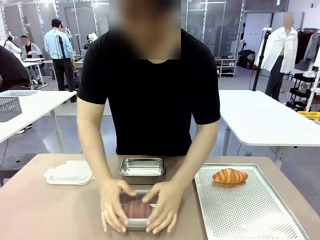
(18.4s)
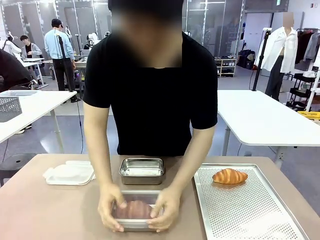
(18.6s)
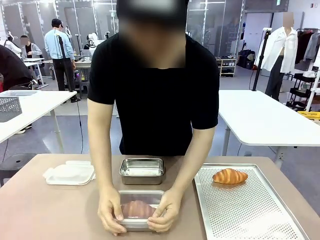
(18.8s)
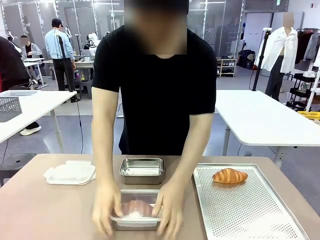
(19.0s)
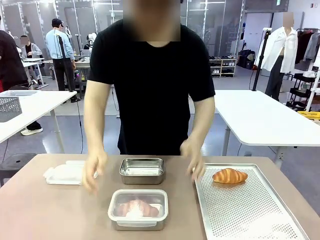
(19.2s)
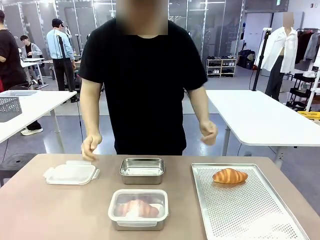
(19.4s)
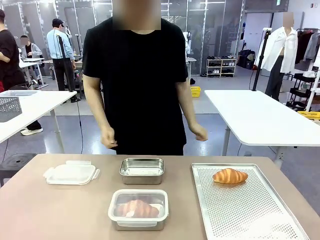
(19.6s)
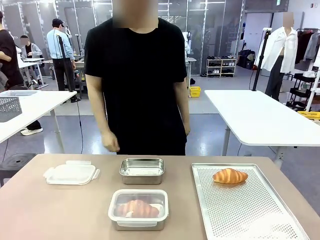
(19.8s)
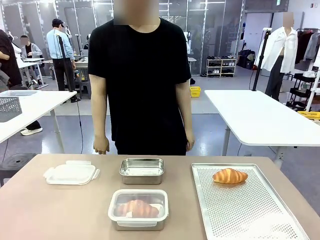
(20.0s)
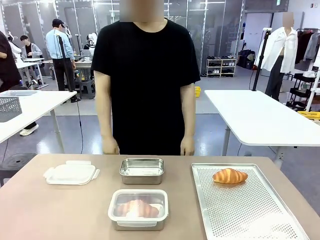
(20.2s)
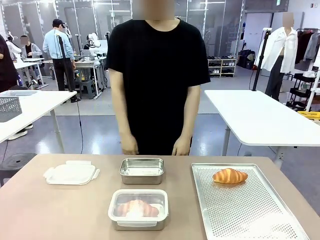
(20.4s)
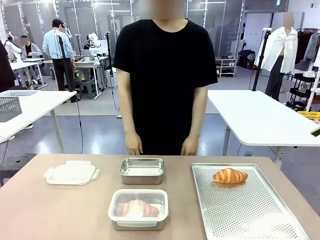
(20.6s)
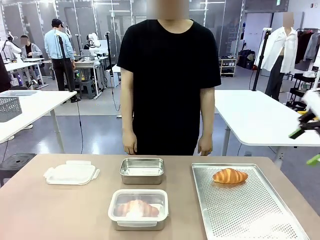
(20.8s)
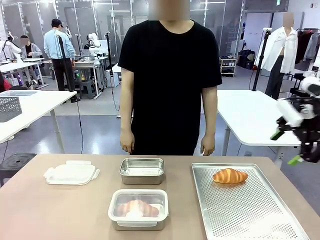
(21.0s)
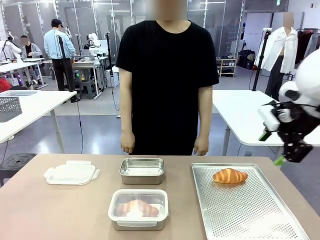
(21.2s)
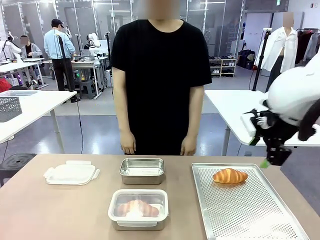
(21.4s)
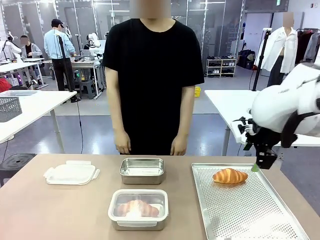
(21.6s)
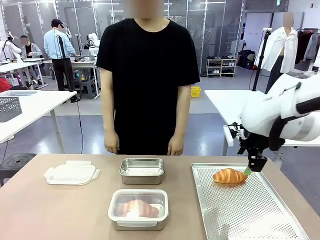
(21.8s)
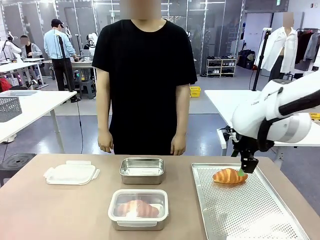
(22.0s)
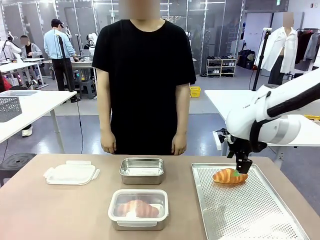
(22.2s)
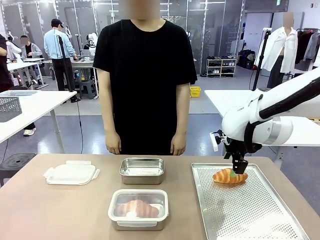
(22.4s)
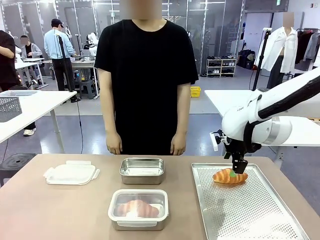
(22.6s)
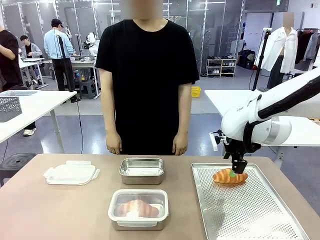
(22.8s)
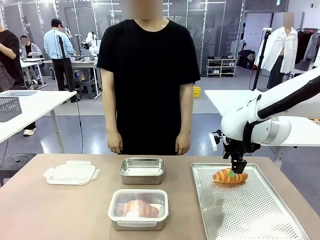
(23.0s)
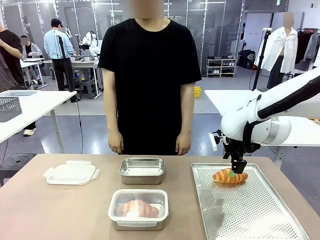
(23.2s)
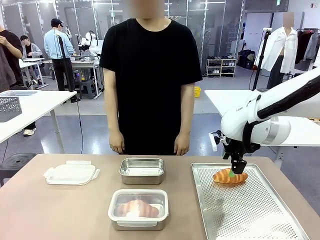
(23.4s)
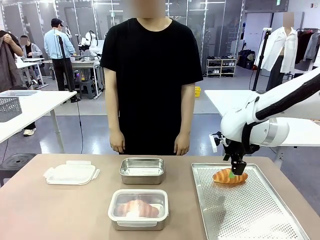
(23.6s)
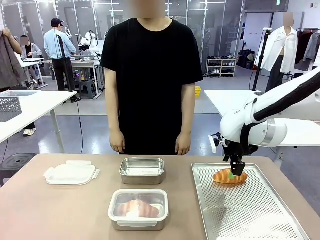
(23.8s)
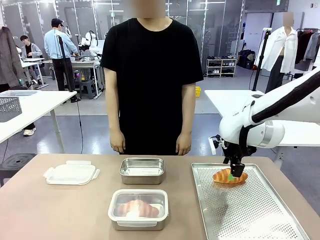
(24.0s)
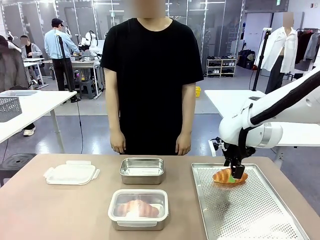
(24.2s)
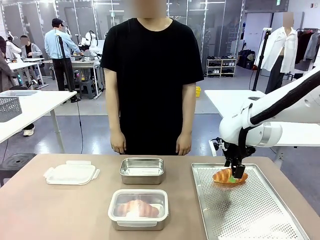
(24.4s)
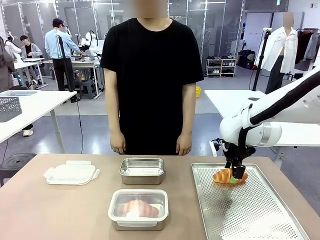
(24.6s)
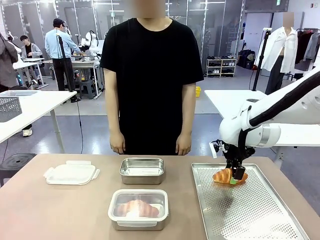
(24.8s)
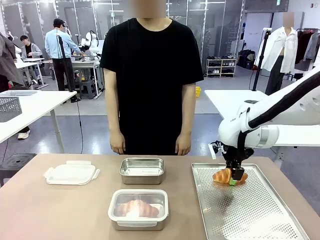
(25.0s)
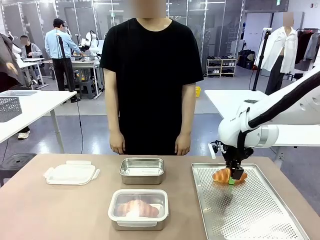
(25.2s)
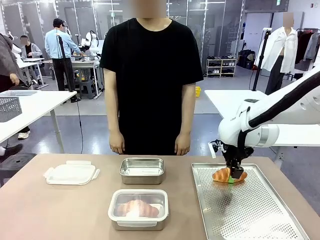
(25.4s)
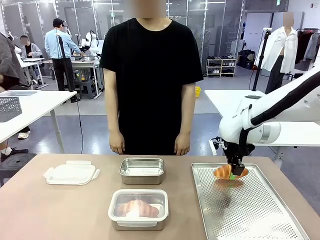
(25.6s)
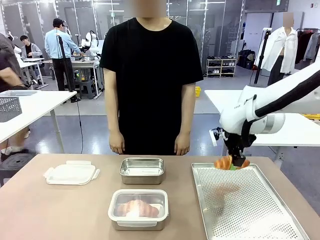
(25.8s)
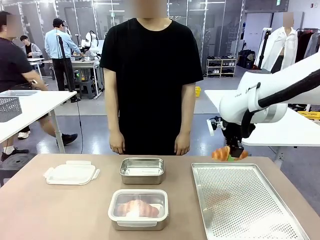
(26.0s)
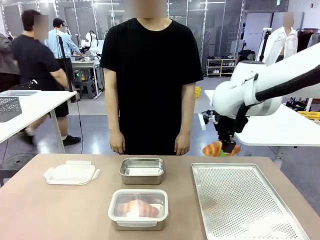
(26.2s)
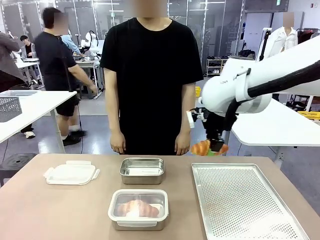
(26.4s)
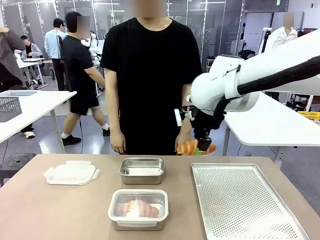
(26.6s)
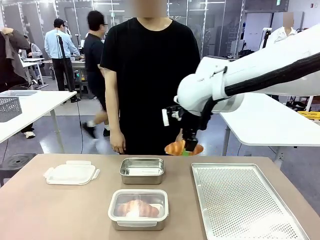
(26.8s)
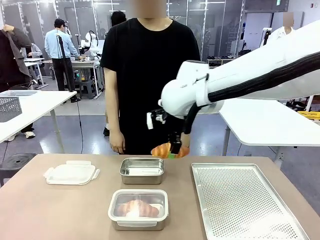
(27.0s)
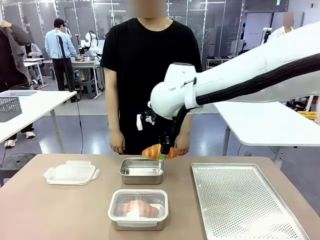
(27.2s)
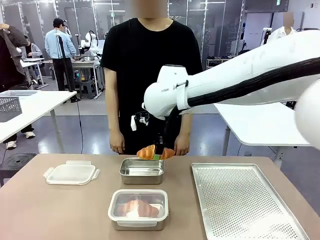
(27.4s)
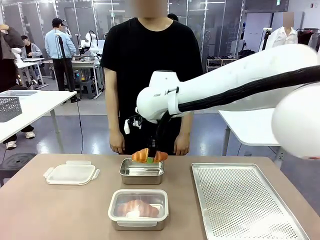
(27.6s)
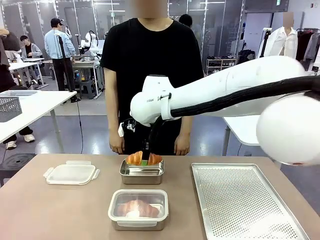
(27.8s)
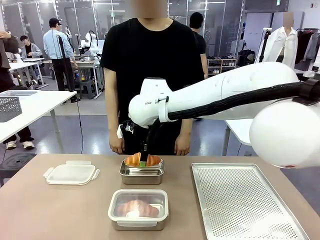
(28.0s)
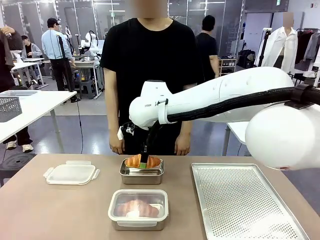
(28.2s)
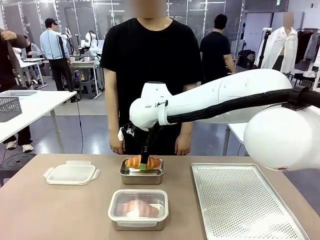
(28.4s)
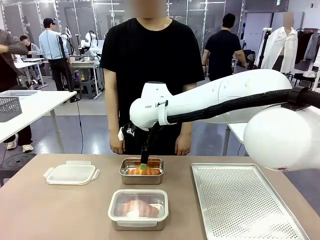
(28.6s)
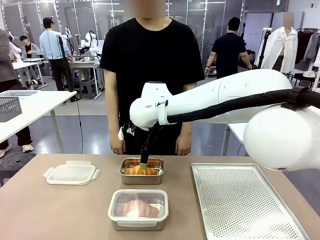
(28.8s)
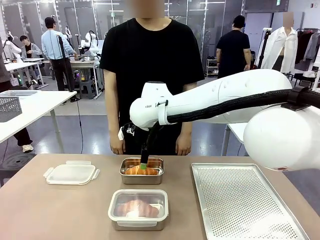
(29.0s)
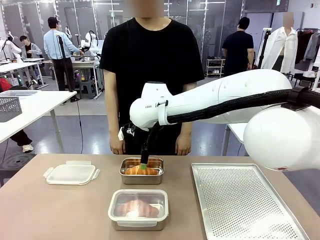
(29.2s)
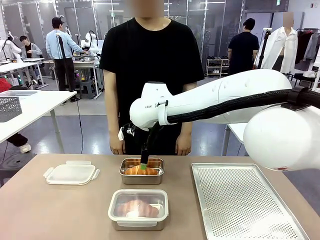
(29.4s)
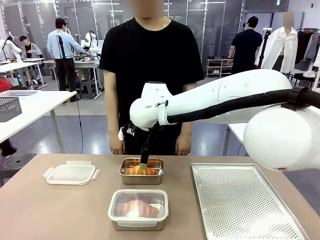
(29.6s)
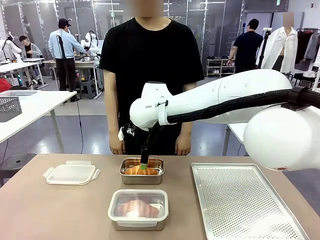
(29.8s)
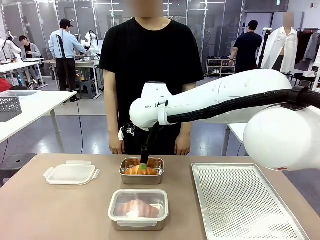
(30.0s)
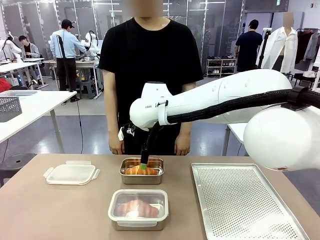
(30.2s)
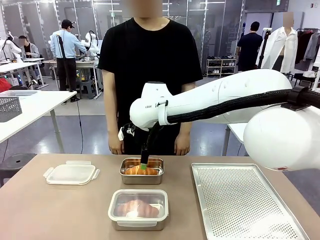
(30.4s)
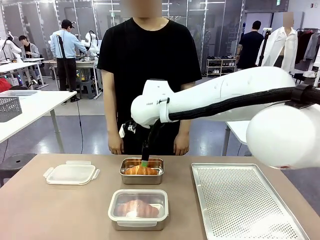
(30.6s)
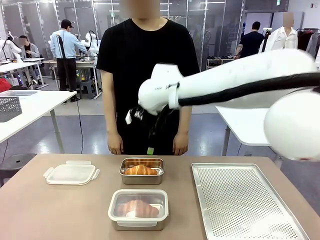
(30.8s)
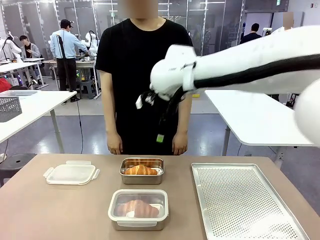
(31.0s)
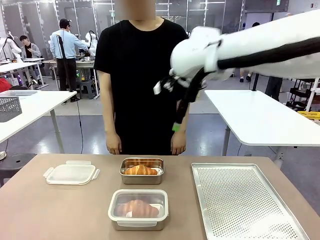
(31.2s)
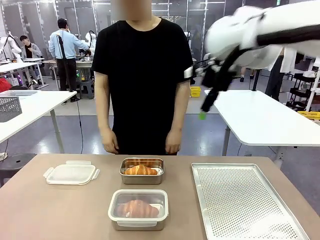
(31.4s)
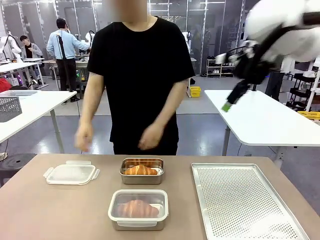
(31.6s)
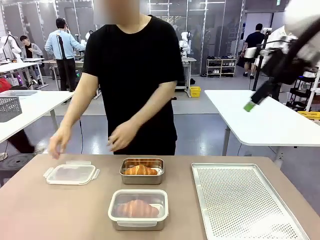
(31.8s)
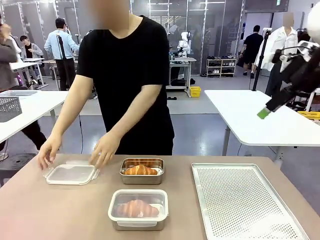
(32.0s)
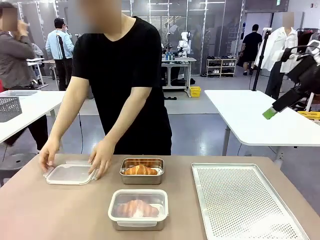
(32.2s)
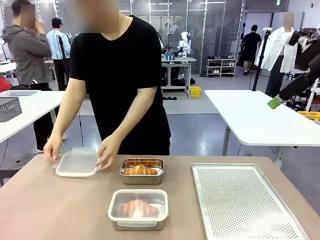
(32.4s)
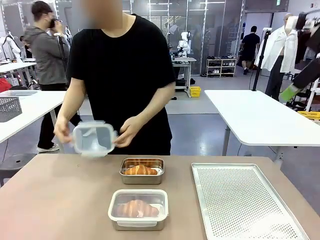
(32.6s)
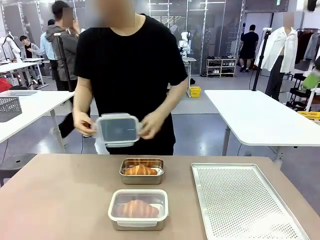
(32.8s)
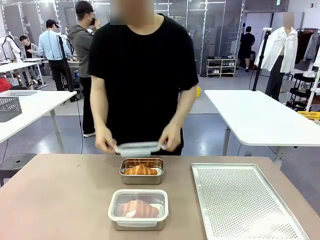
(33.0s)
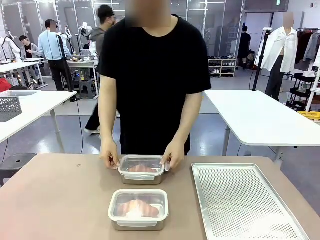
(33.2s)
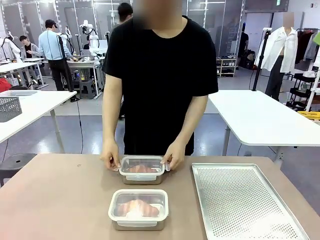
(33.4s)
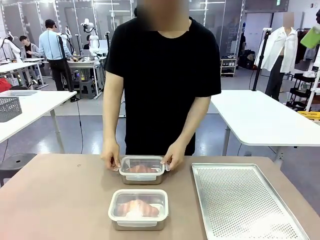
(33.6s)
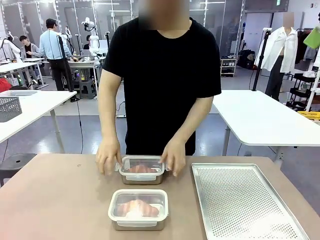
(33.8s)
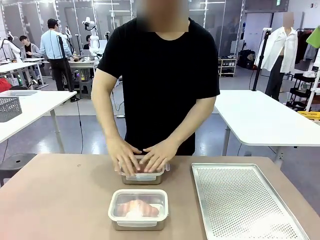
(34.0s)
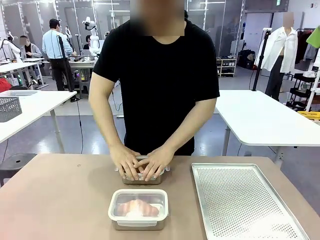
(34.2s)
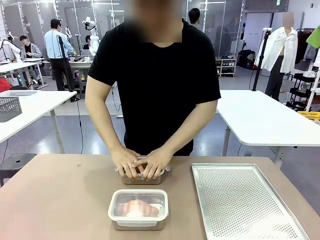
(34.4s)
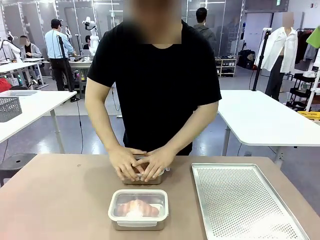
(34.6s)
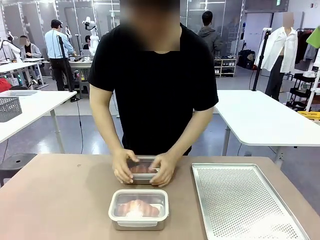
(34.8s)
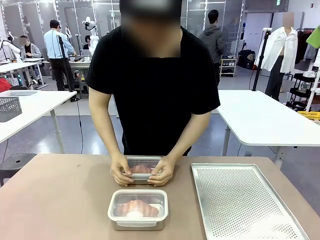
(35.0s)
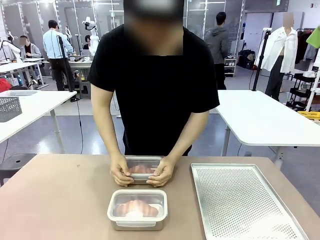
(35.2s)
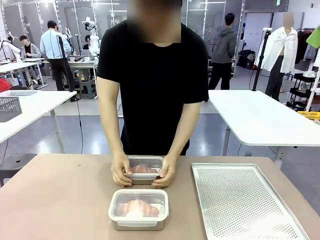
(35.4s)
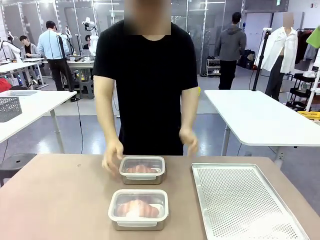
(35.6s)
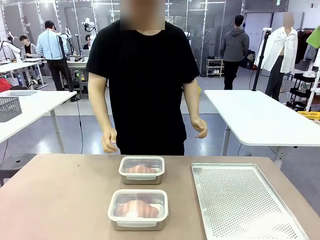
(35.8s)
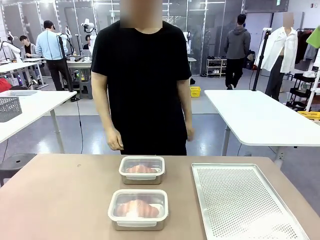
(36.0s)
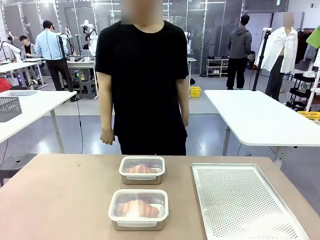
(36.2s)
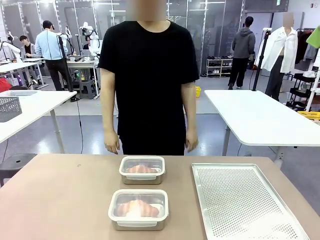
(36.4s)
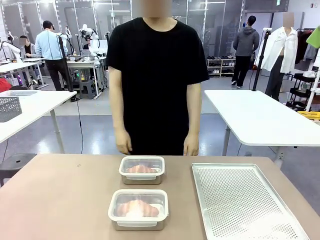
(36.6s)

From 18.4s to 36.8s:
Task: Place the bread into the airtight container.
Robot: Pick up a Butter Roll and place it into an empty Airtight Container.
